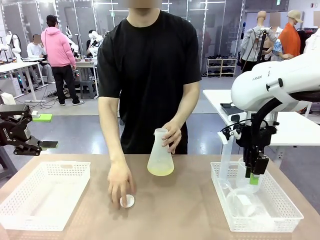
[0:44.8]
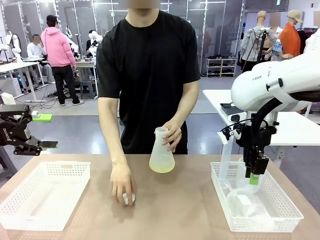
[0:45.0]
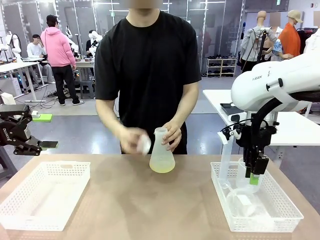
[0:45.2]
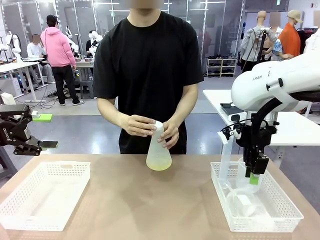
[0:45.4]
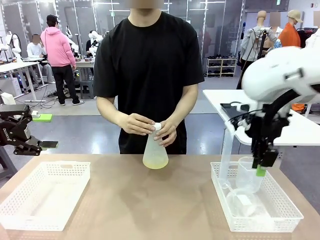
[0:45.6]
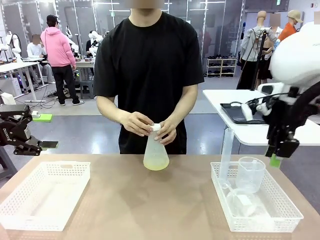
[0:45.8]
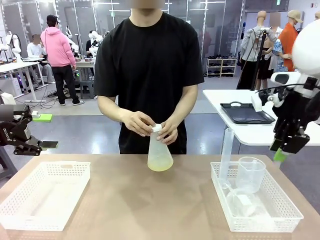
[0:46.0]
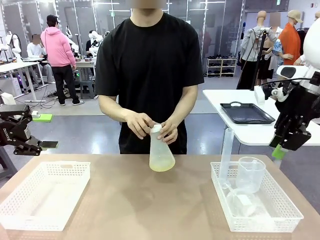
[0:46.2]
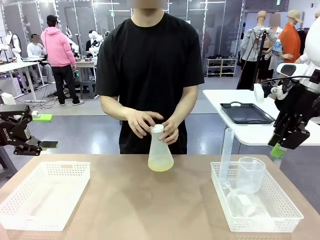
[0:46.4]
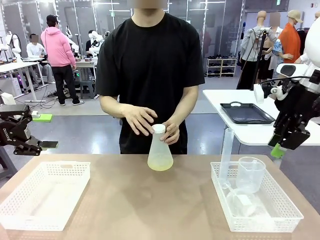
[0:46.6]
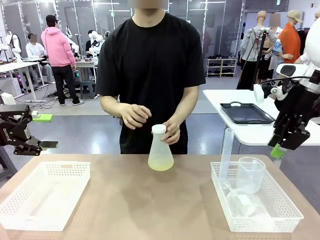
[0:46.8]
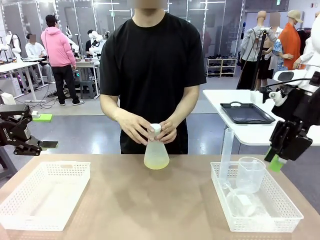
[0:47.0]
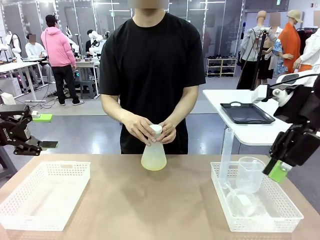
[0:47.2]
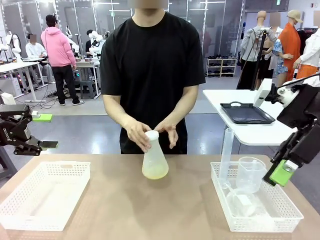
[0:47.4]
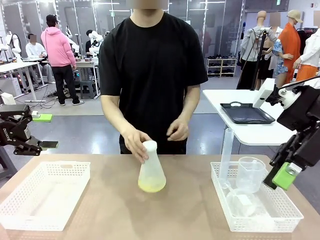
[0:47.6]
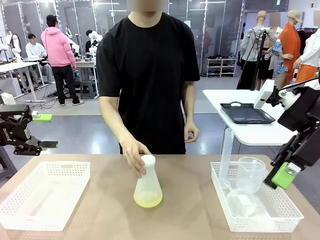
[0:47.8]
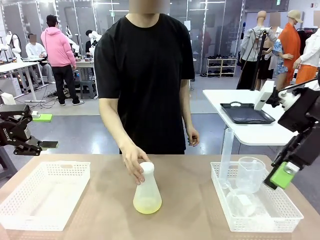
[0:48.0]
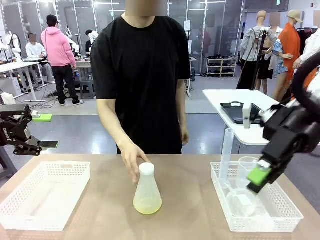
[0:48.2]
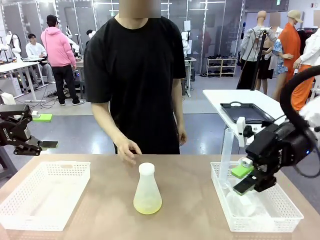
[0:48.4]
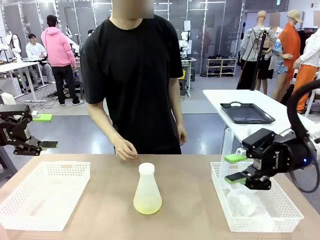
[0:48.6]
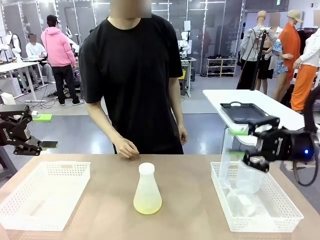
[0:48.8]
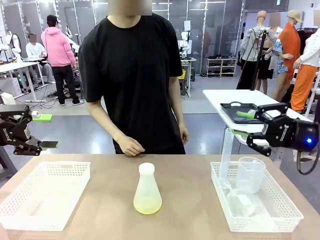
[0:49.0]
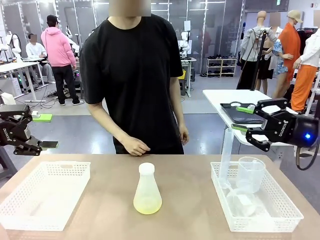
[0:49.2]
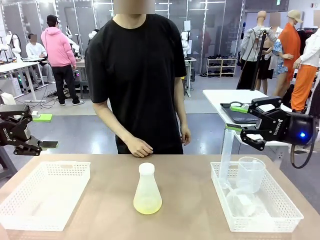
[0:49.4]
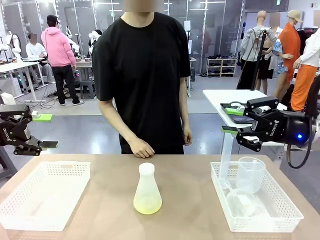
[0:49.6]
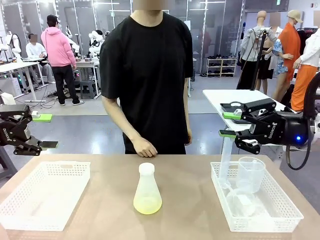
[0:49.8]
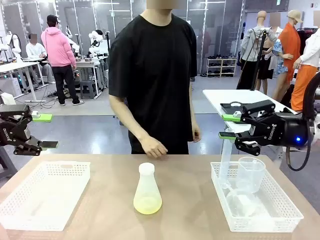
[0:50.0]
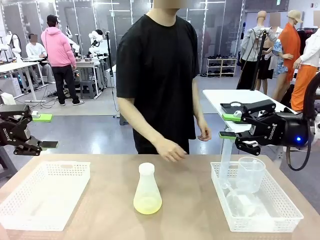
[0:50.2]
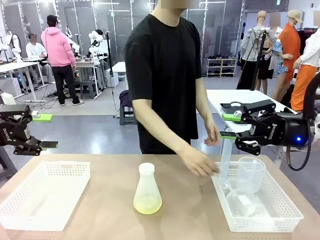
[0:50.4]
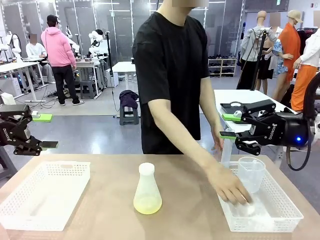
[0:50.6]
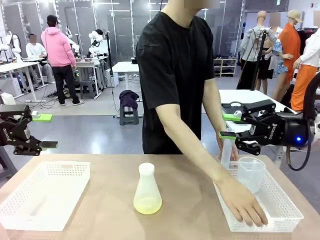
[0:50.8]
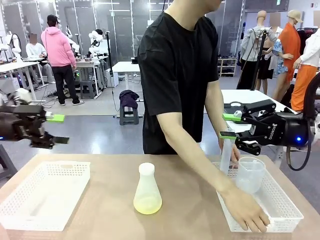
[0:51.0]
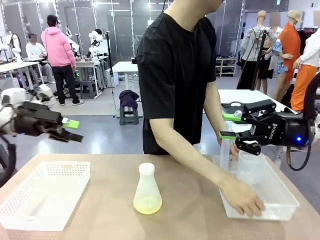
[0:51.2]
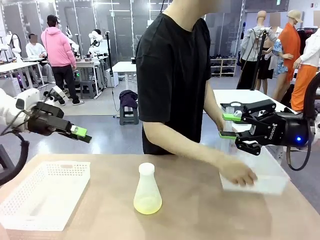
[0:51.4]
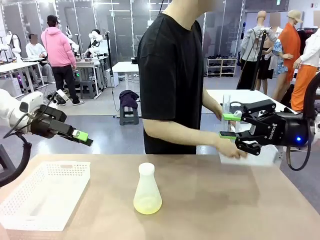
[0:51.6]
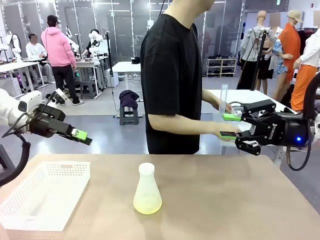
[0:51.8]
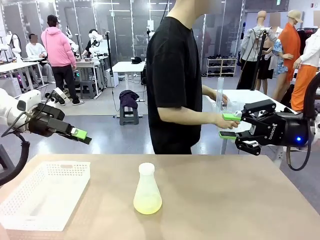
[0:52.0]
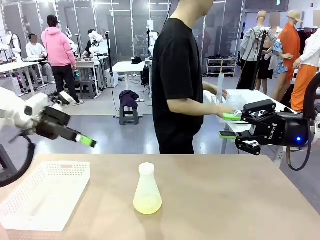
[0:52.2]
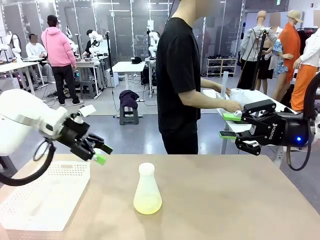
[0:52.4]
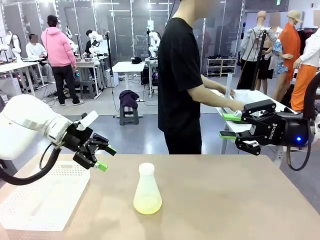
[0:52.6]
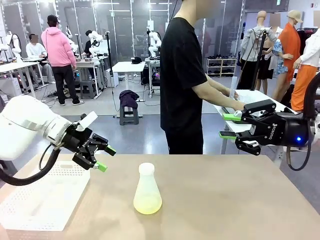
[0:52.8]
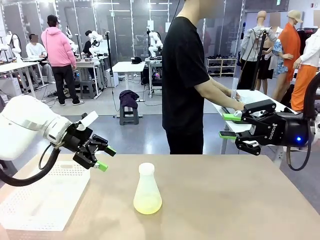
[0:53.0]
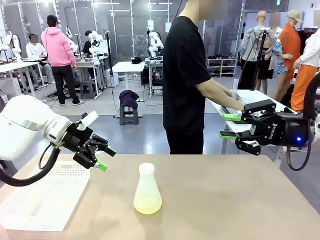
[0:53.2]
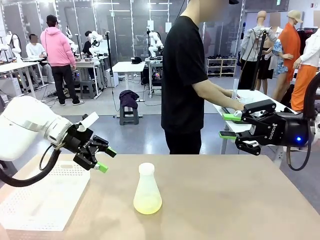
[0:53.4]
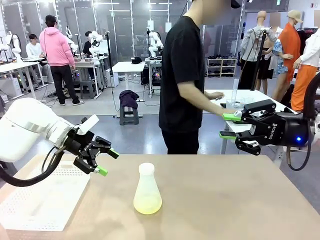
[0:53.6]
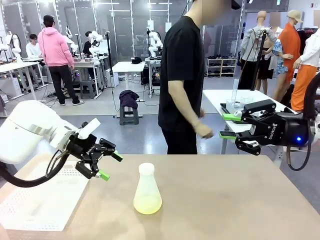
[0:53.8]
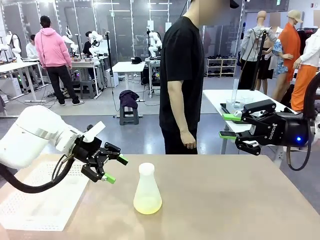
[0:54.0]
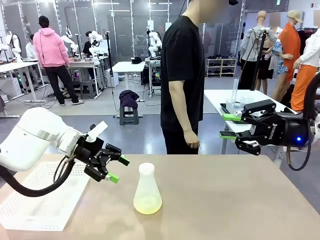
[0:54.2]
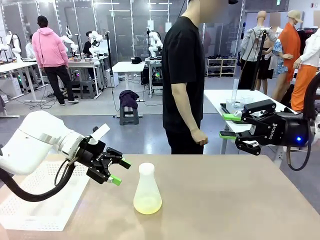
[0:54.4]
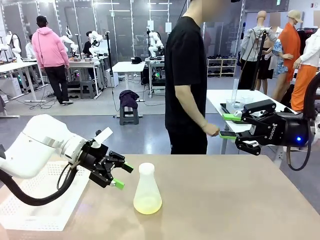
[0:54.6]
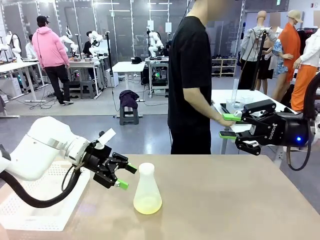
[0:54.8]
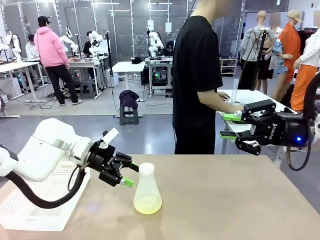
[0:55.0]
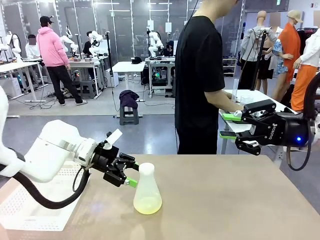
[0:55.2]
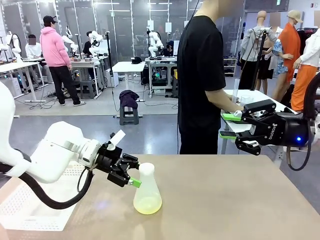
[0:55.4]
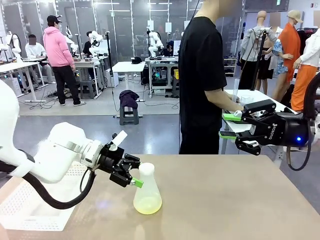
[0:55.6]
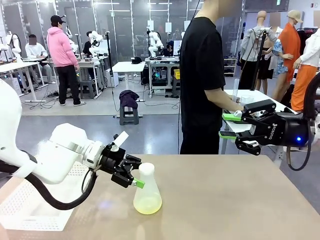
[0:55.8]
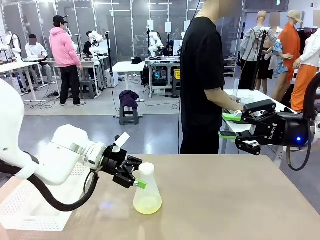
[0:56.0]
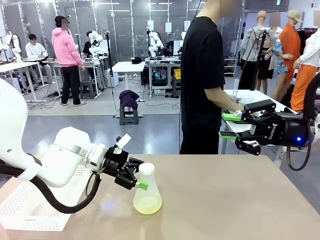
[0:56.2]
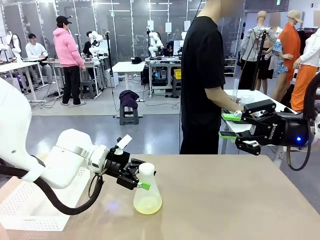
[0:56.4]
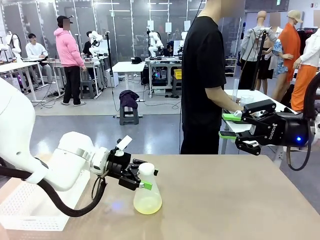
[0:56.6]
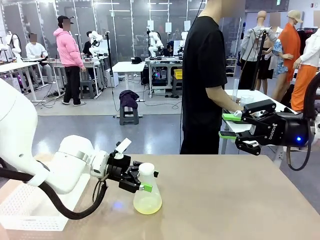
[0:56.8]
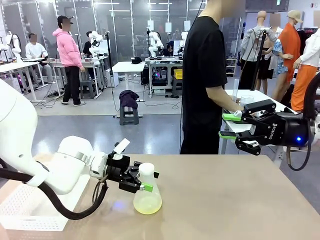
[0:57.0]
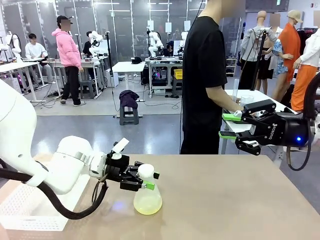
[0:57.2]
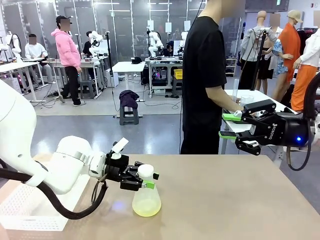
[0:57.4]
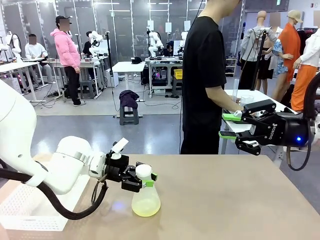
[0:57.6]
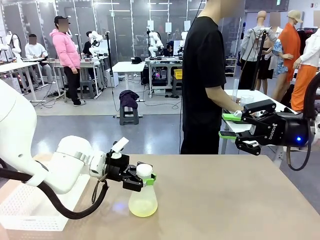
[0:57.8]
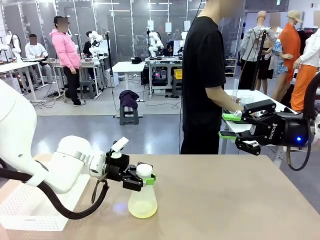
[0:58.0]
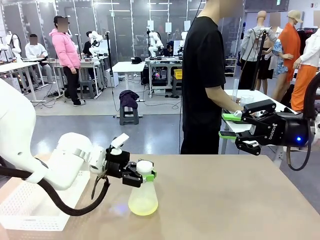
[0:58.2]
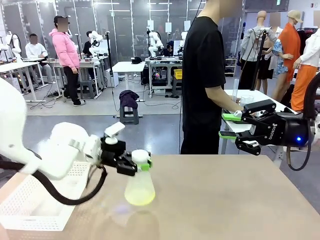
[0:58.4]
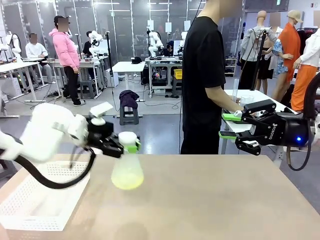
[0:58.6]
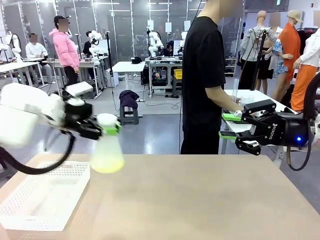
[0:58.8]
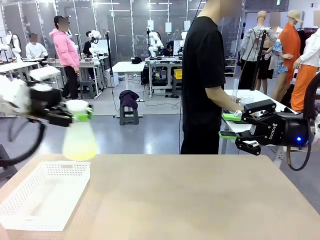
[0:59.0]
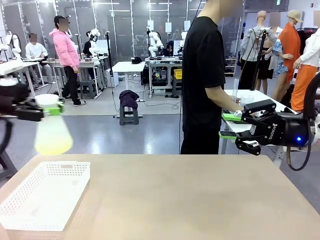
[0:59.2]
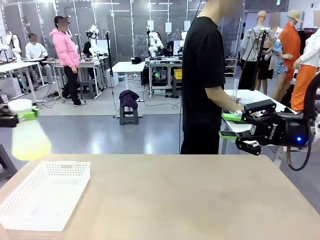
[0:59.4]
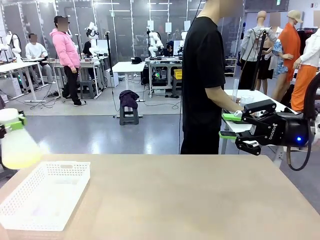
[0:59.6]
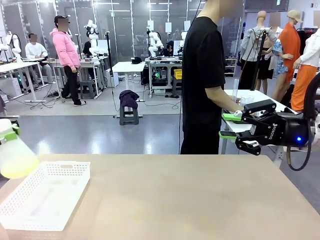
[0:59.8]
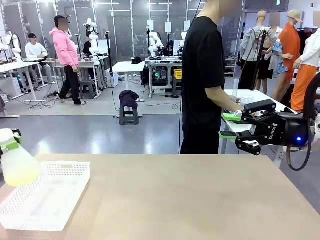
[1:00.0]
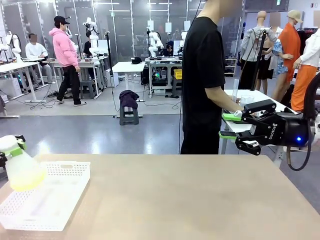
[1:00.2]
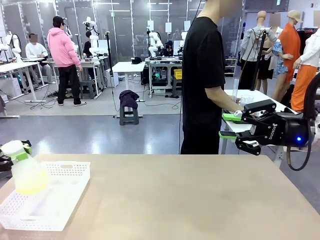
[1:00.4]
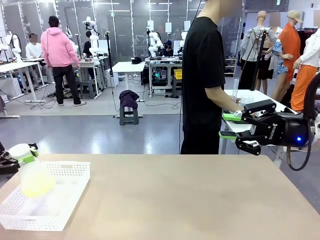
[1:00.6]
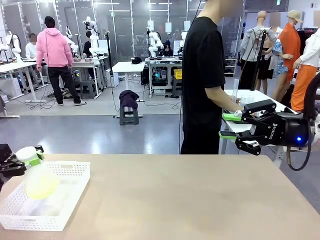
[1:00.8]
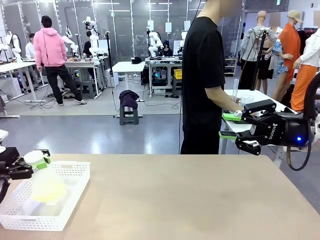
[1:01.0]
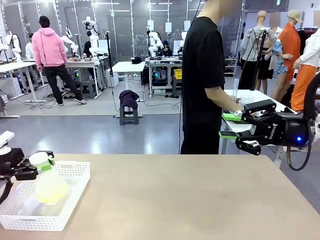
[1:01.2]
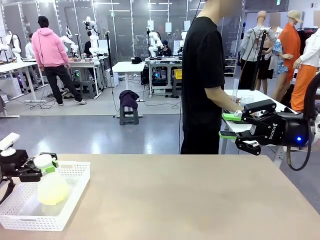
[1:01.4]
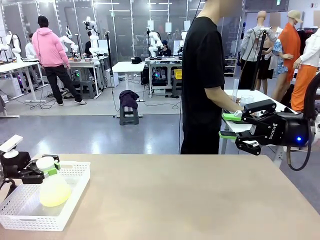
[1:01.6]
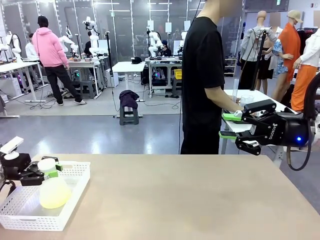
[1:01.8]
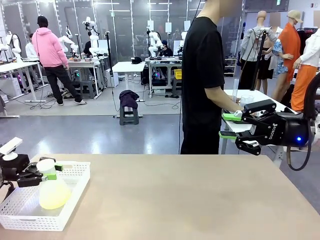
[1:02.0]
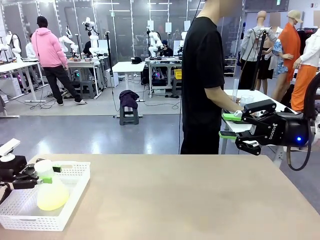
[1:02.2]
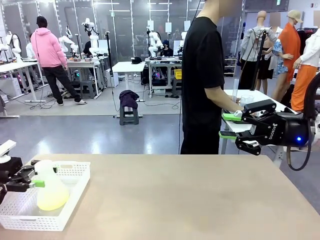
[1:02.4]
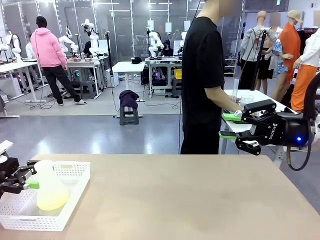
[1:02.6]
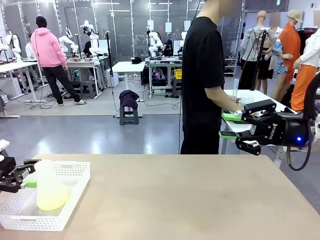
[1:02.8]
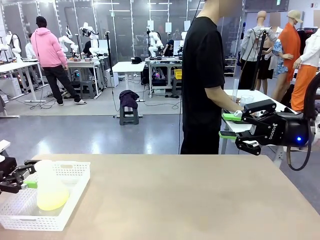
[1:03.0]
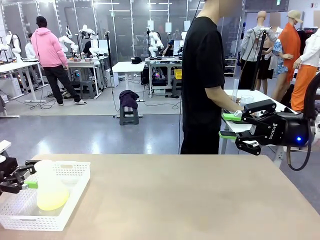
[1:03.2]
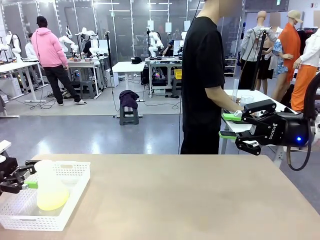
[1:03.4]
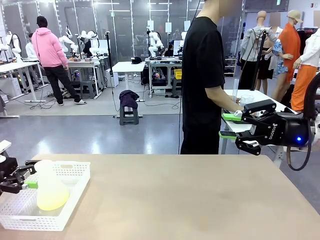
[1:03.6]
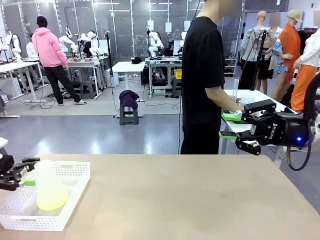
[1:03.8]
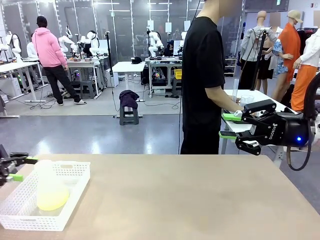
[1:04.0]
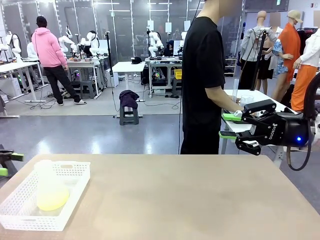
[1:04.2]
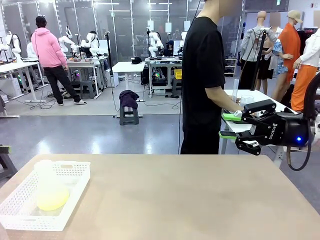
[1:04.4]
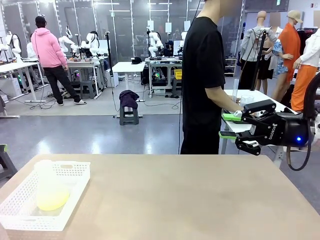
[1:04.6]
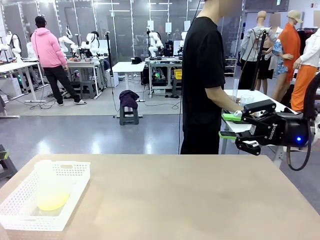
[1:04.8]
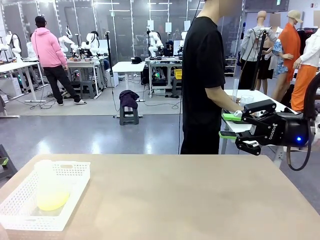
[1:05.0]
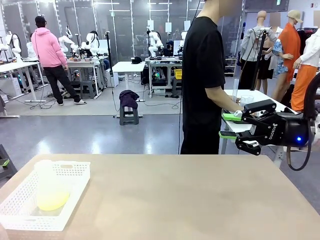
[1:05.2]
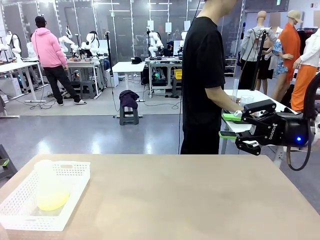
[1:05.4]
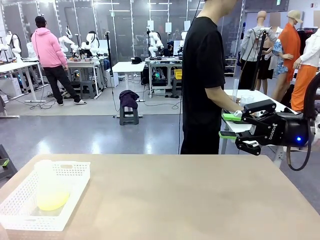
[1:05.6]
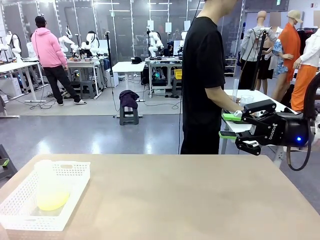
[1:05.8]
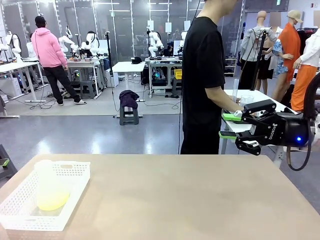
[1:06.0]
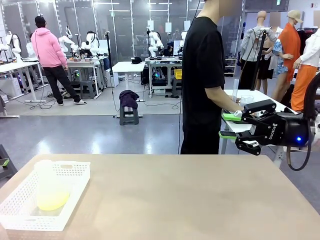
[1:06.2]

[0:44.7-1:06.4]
Task: Prepare the solutions needed for the experiment.
Robot: When the human places the Big flask in the center of the table, pick up the Big flask and place it in the left Organizing basket.
Person: Pick up the organizing basket on the left side of the robot table and place it on the left side of the human table.
